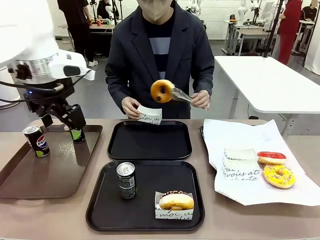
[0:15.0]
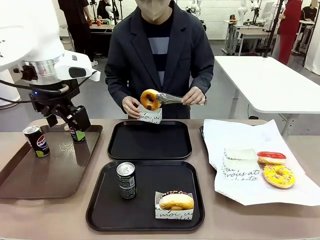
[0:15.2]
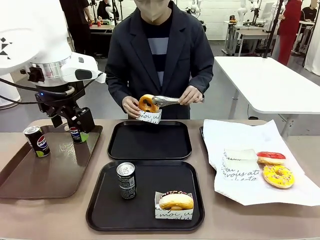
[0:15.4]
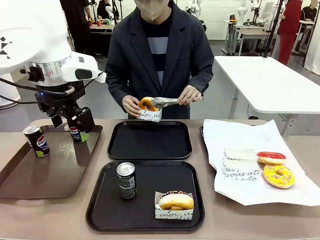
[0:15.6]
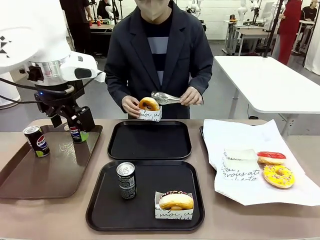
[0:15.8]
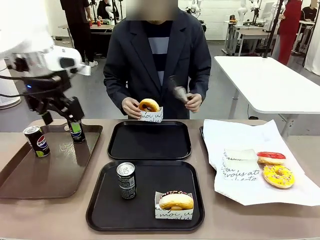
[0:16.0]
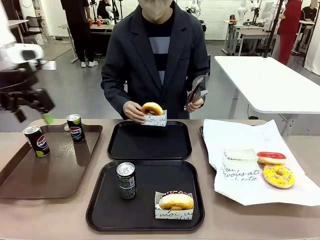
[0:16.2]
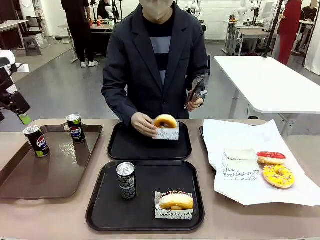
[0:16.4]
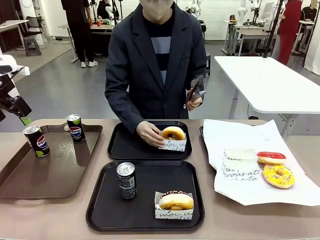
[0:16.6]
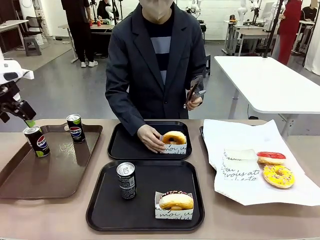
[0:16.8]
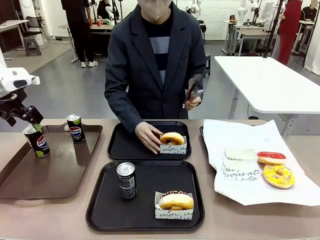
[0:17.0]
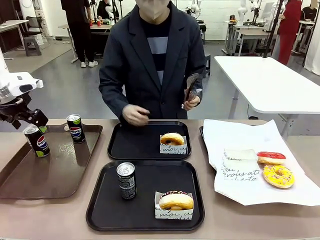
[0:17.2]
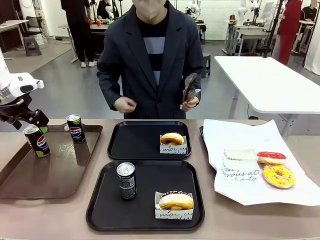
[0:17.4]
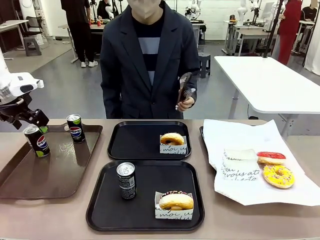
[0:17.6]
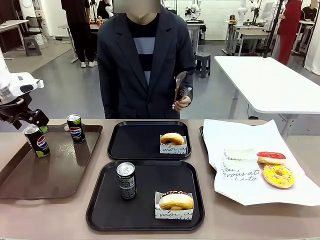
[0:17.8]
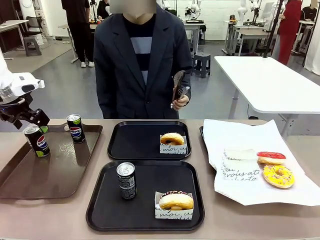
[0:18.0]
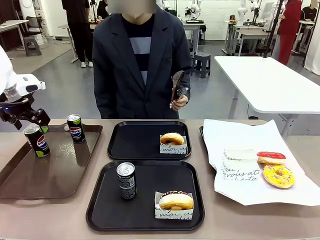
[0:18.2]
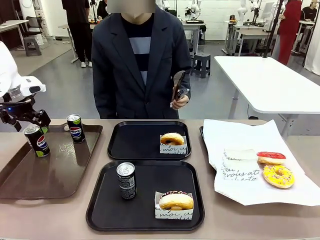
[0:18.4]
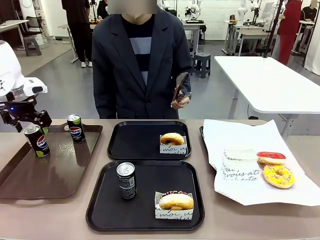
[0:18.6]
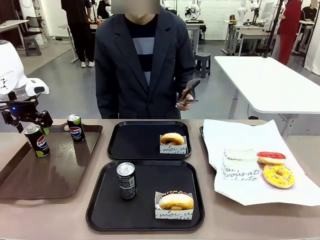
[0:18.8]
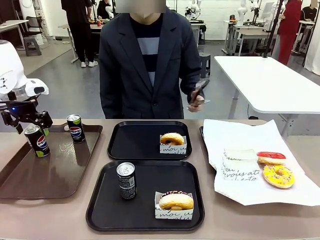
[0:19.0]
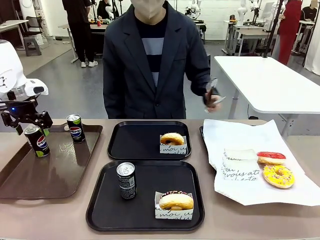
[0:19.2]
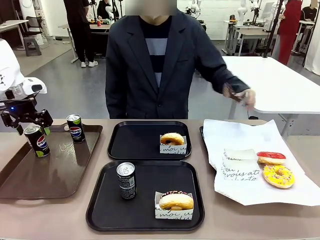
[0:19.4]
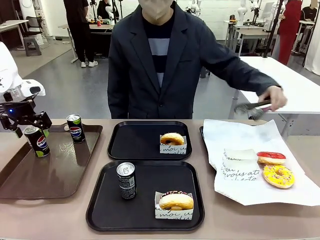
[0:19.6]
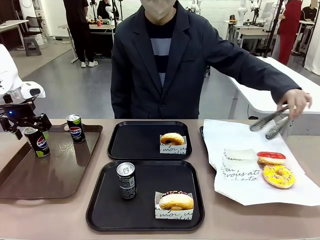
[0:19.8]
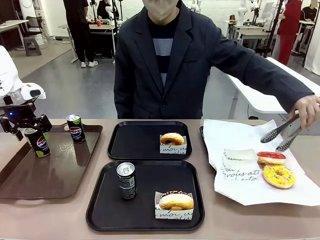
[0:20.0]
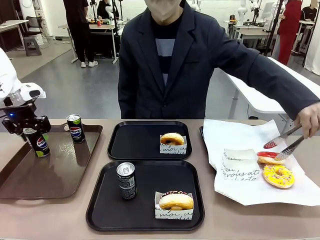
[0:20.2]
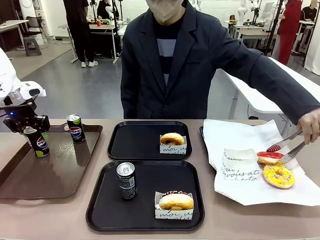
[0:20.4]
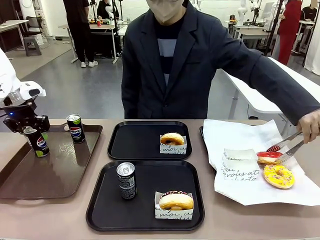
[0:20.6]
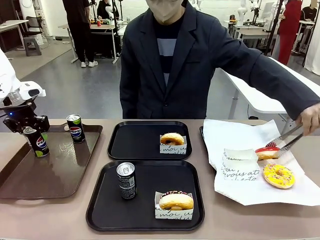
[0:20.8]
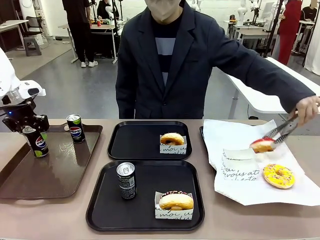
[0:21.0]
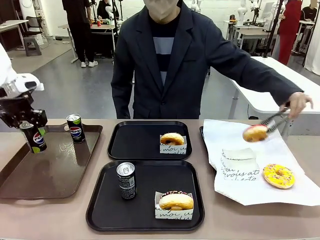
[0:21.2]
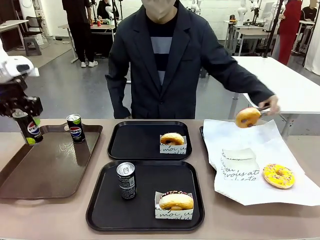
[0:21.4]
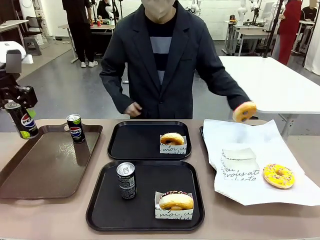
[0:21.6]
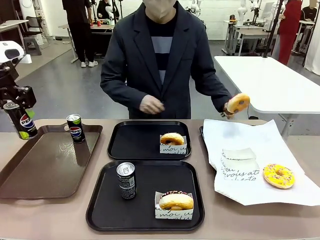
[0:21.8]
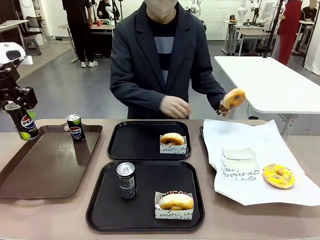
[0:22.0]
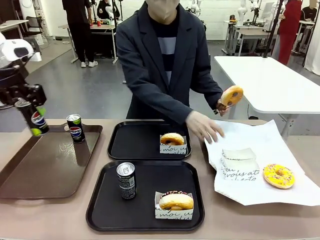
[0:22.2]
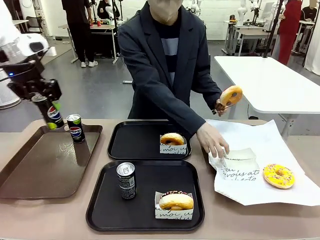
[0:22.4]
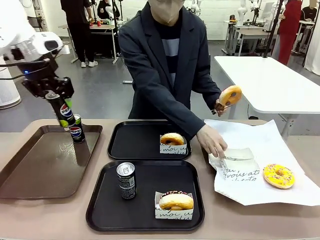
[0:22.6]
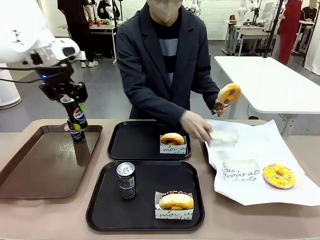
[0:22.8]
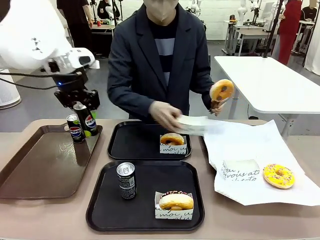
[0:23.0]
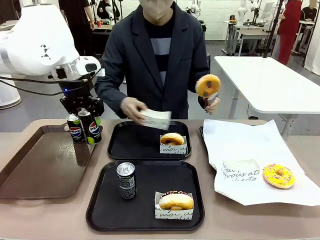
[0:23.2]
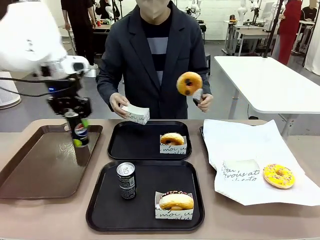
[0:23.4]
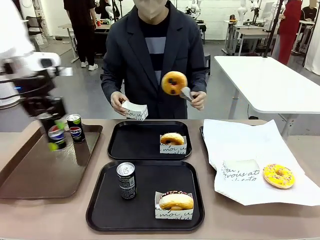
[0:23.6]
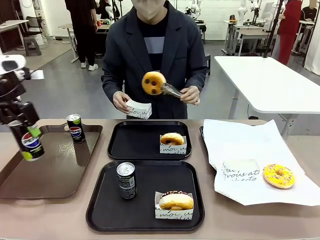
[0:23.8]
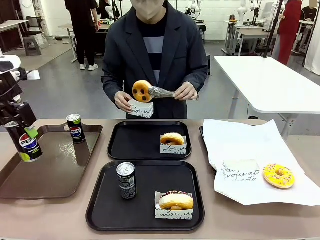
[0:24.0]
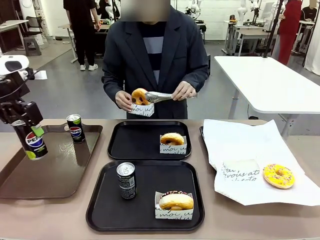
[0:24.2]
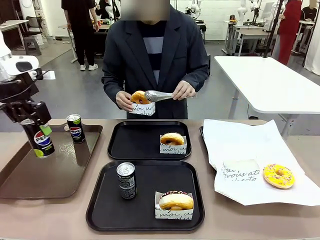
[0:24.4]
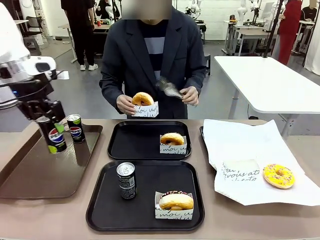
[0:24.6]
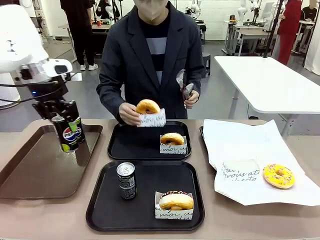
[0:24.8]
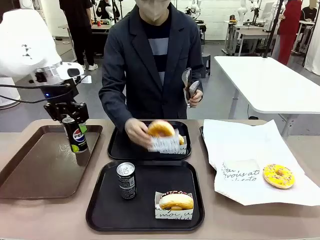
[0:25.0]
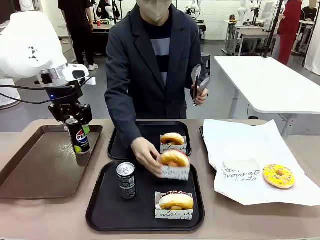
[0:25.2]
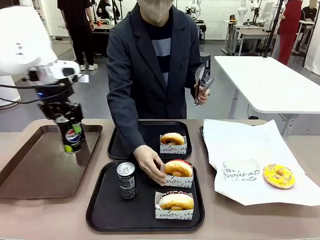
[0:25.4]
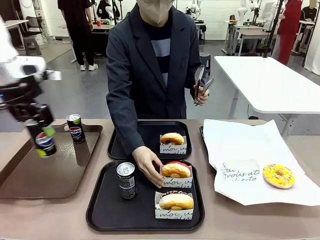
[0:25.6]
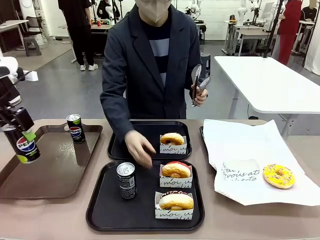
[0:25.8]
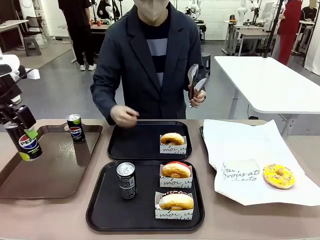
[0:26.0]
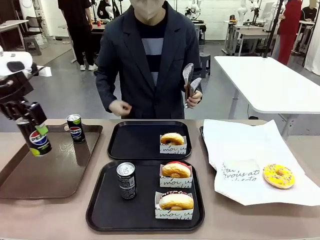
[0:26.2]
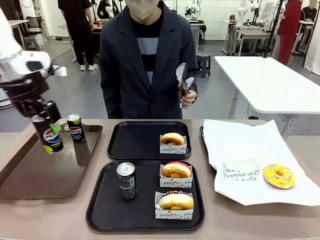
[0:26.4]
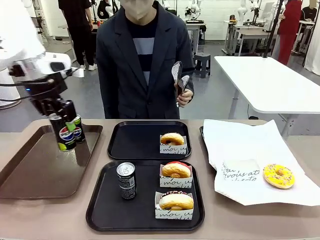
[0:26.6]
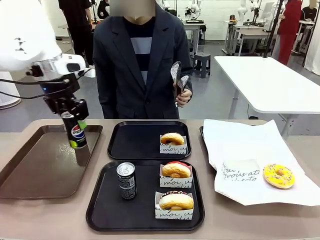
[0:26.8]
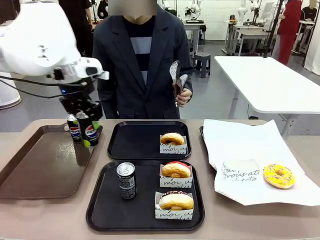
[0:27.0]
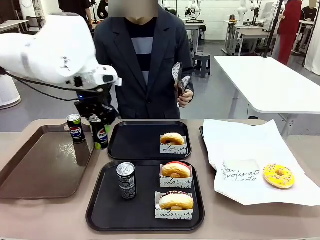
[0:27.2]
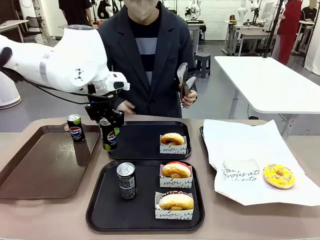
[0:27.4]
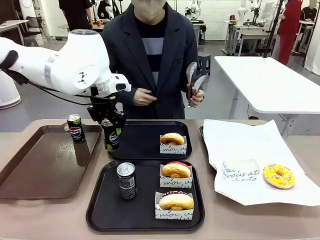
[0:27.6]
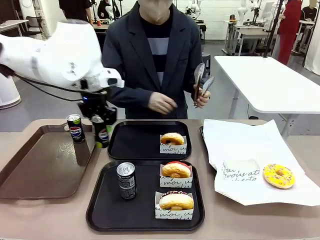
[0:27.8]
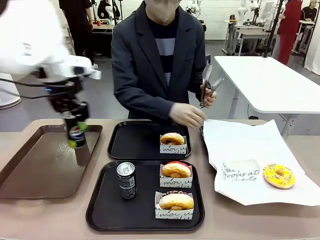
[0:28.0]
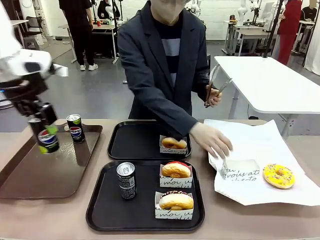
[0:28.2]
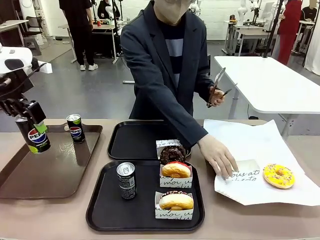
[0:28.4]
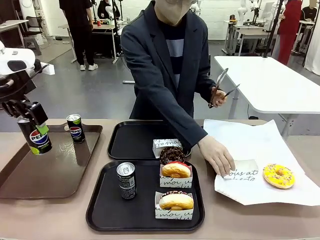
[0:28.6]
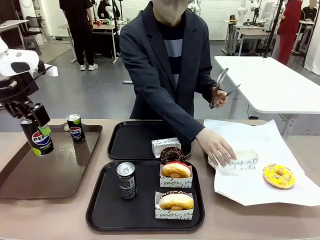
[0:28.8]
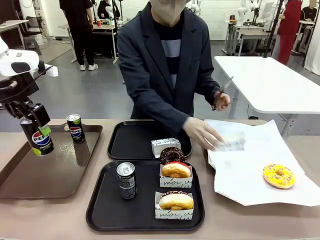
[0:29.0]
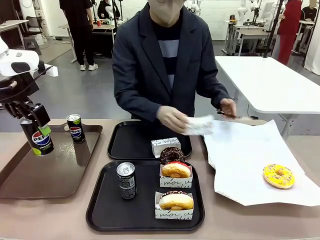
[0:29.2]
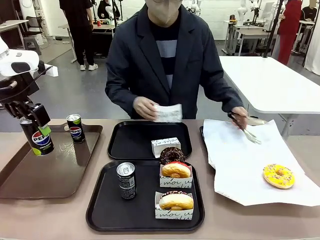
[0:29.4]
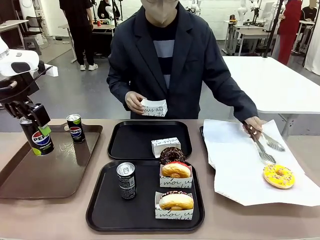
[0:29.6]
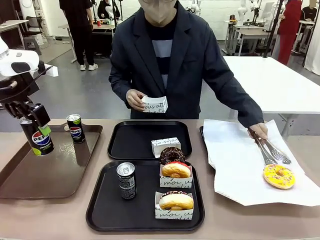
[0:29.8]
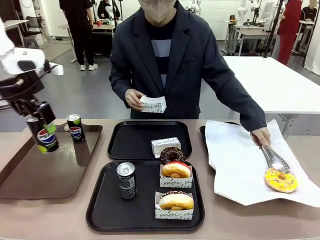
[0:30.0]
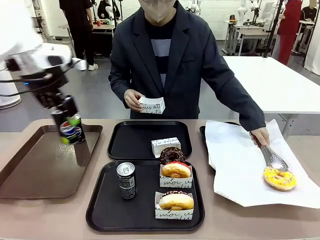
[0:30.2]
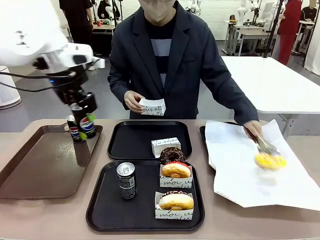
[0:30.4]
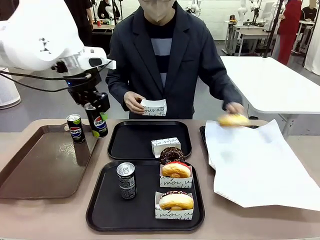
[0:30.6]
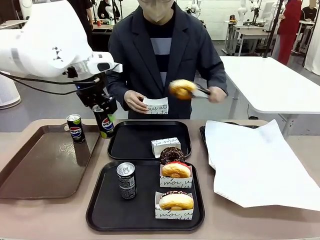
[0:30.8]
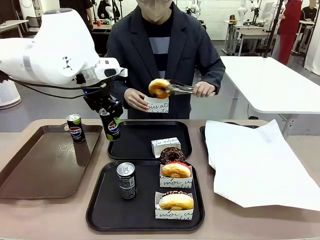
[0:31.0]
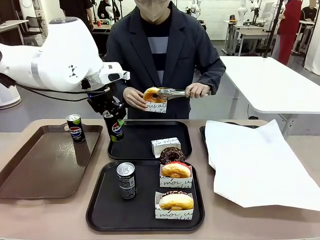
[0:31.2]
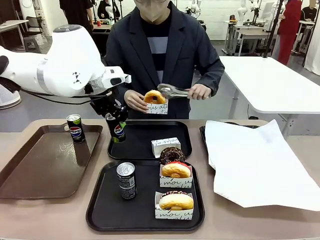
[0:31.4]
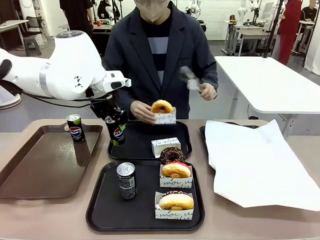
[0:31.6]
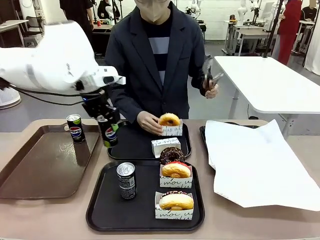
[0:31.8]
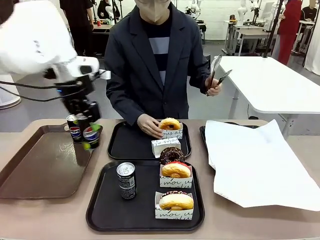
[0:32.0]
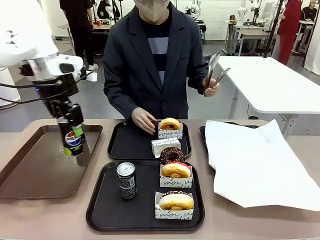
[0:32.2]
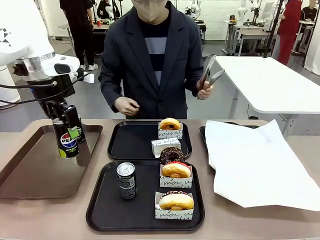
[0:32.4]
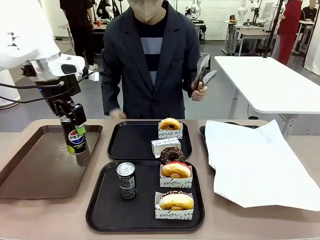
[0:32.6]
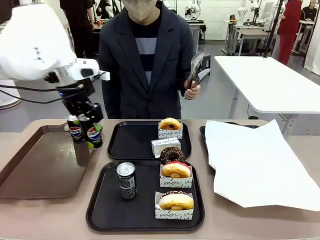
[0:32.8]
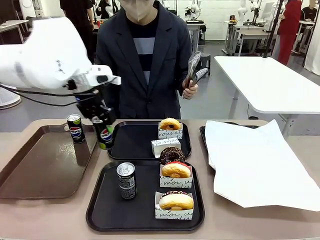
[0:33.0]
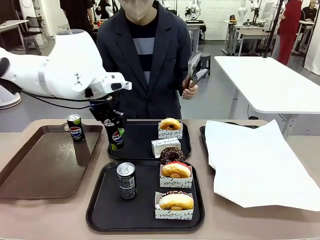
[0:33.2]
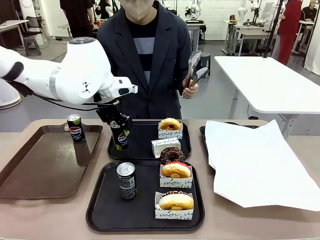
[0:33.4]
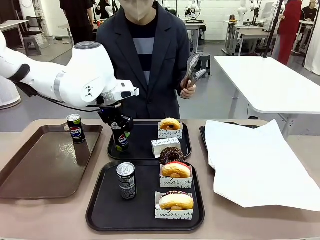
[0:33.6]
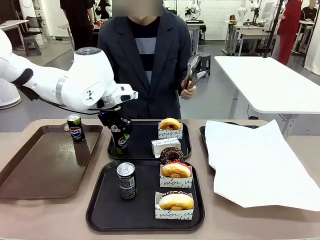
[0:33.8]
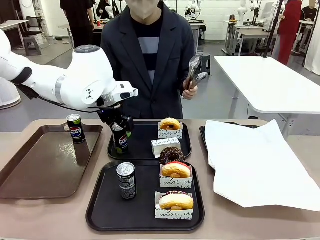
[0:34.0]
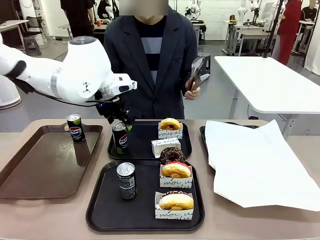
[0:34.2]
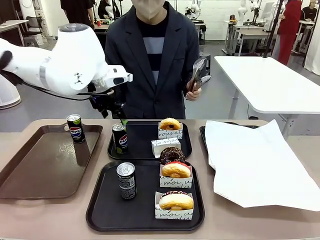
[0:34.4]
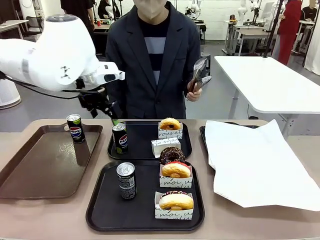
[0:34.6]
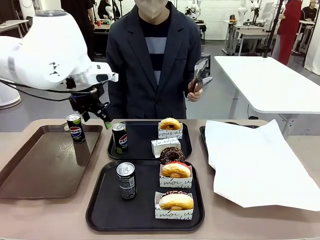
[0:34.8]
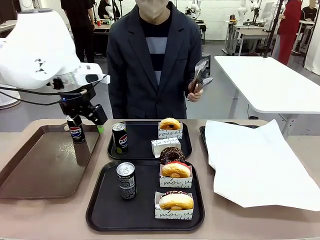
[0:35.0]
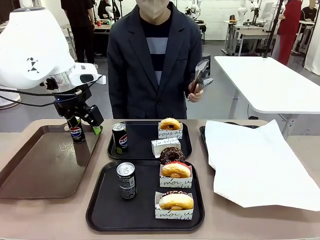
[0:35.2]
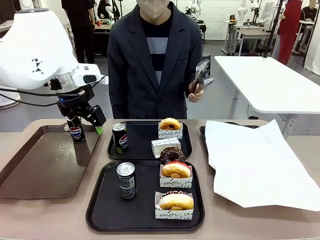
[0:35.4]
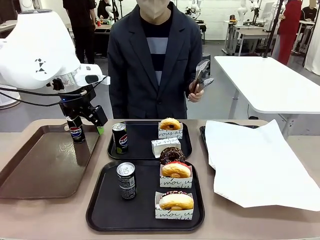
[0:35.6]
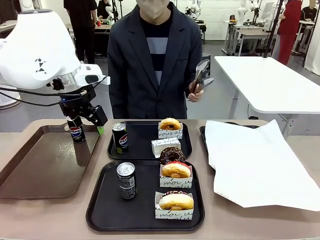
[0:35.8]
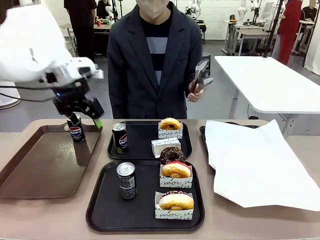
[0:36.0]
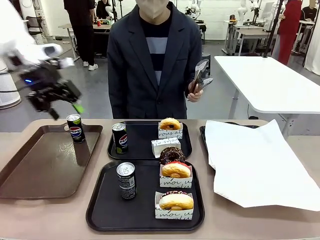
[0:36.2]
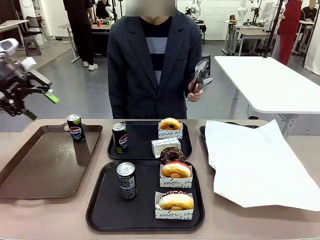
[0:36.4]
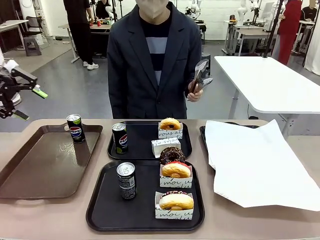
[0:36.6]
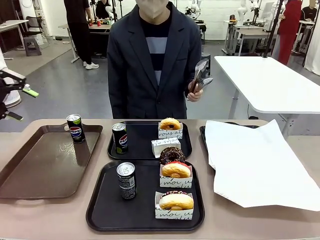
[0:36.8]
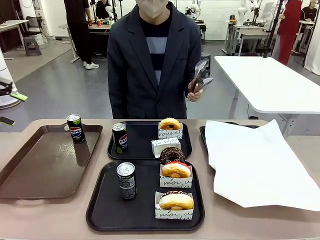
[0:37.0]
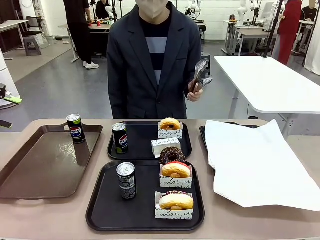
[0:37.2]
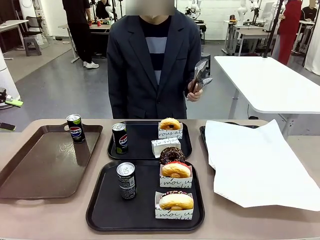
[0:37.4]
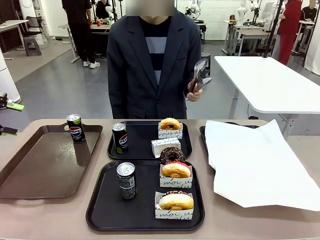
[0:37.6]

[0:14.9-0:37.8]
Task: Set up donuts and drinks on trays.
Robot: Pick up one Pepsi coke from the Handle tray and place it on the Flat Tray without a Pepsi coke.
Person: Pick up one donut with tongs, place it in the donut tray, and then place the donut tray on the flat tray.
